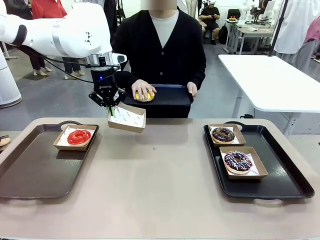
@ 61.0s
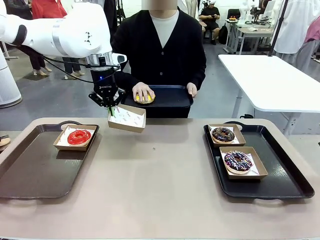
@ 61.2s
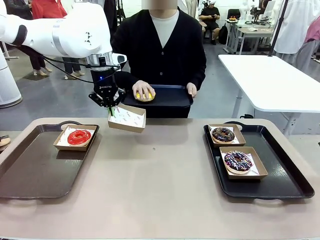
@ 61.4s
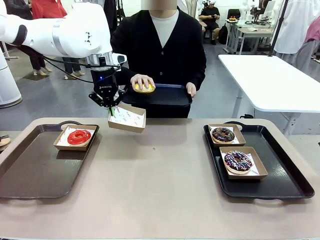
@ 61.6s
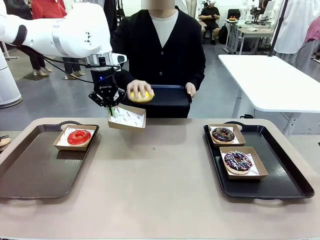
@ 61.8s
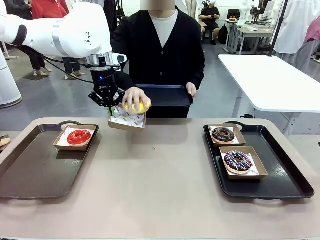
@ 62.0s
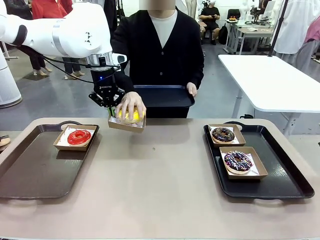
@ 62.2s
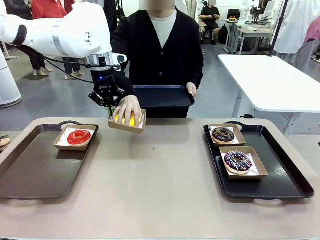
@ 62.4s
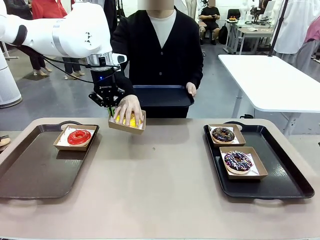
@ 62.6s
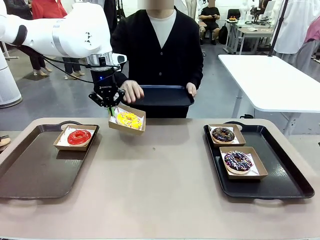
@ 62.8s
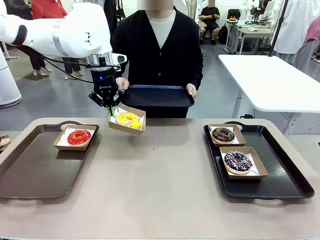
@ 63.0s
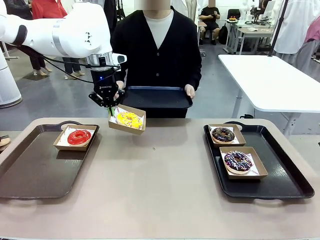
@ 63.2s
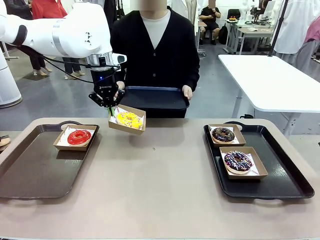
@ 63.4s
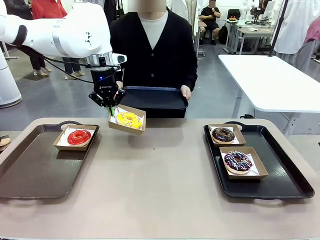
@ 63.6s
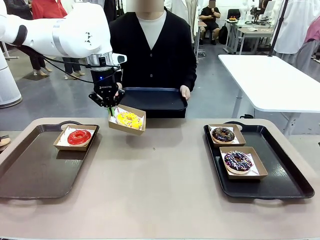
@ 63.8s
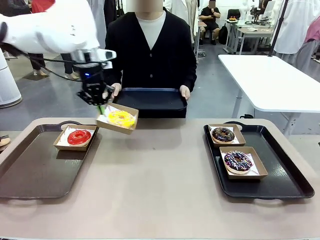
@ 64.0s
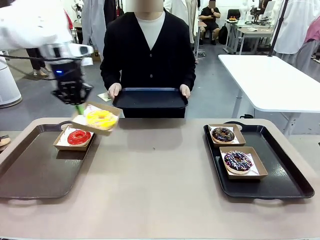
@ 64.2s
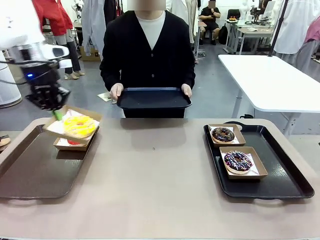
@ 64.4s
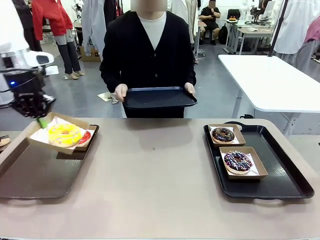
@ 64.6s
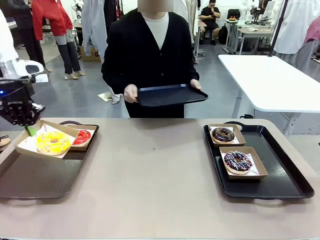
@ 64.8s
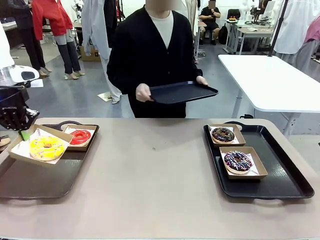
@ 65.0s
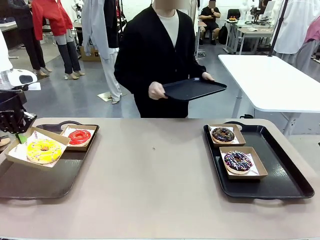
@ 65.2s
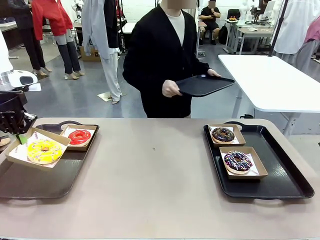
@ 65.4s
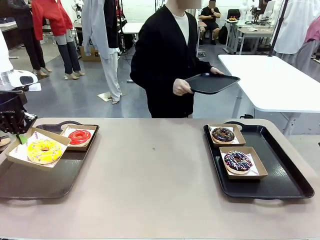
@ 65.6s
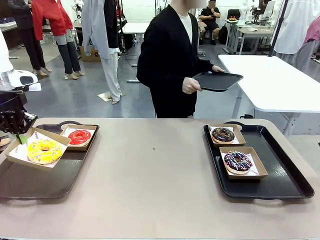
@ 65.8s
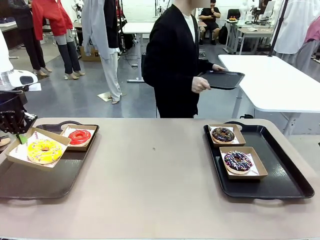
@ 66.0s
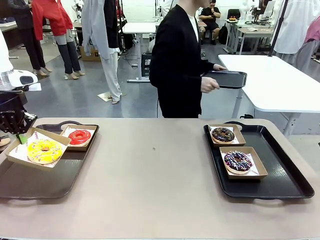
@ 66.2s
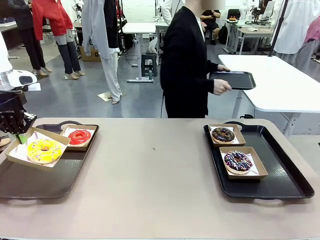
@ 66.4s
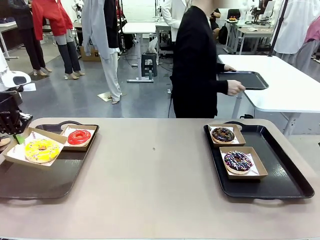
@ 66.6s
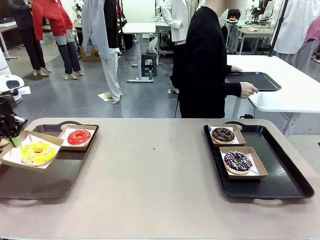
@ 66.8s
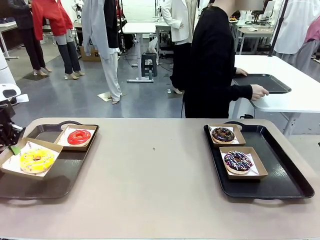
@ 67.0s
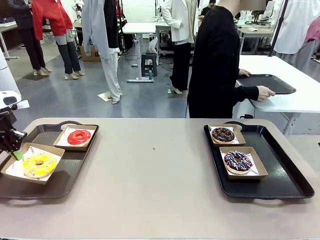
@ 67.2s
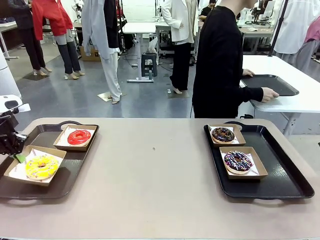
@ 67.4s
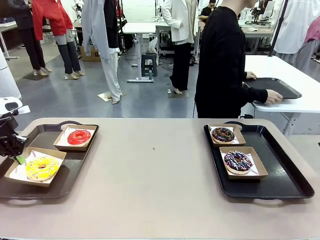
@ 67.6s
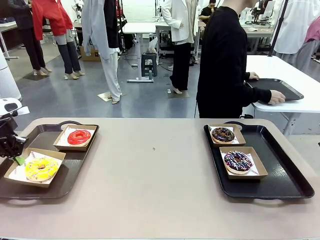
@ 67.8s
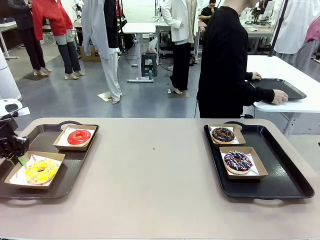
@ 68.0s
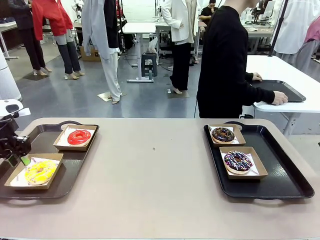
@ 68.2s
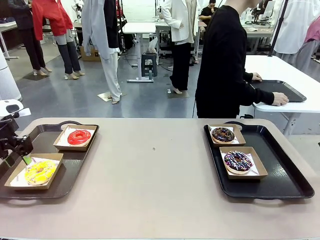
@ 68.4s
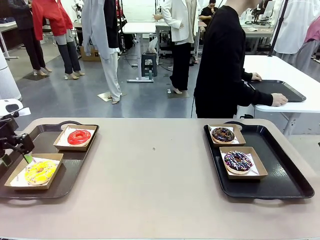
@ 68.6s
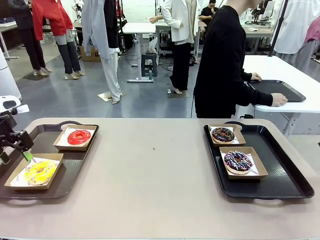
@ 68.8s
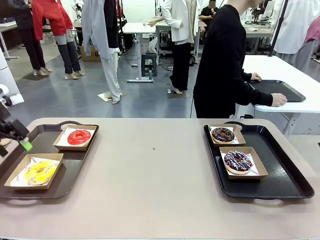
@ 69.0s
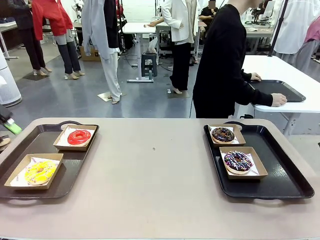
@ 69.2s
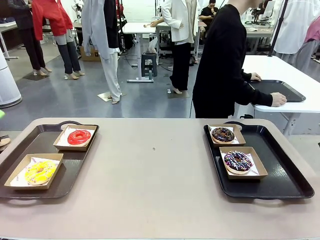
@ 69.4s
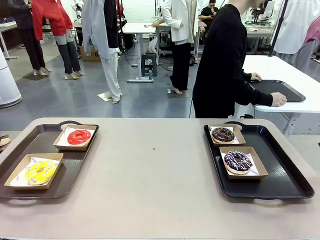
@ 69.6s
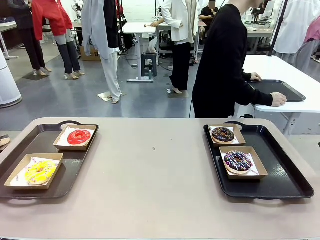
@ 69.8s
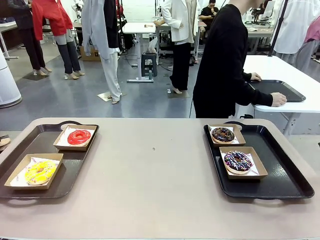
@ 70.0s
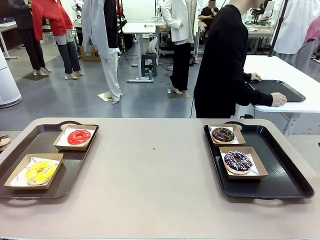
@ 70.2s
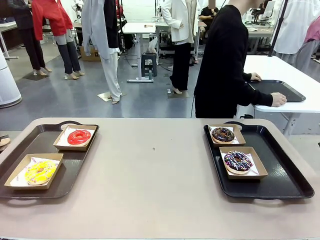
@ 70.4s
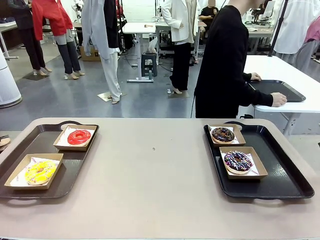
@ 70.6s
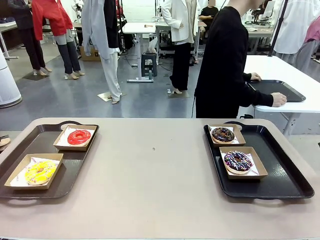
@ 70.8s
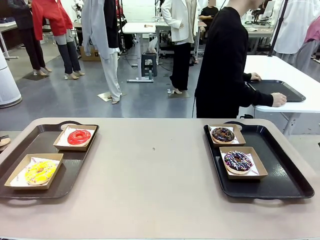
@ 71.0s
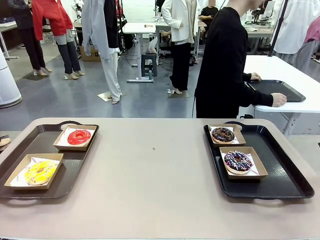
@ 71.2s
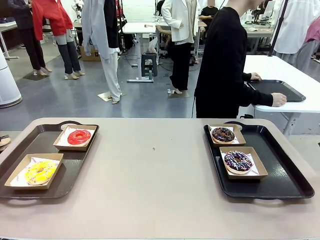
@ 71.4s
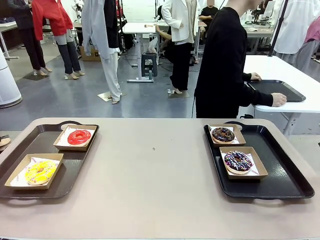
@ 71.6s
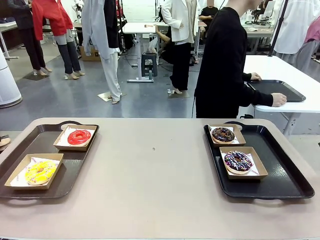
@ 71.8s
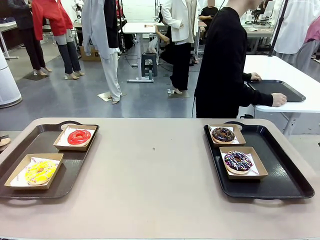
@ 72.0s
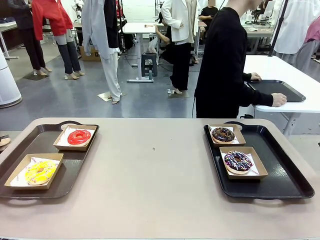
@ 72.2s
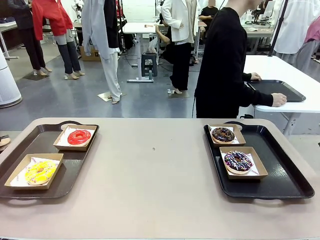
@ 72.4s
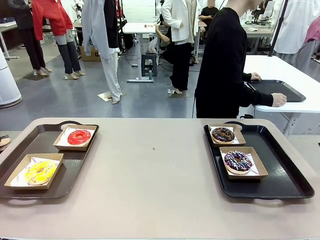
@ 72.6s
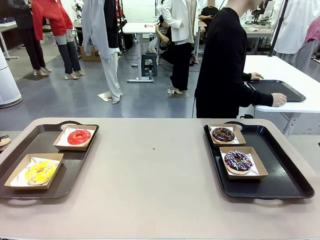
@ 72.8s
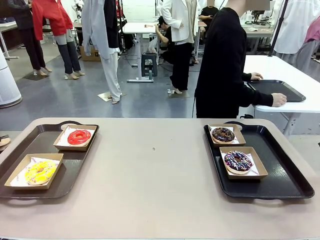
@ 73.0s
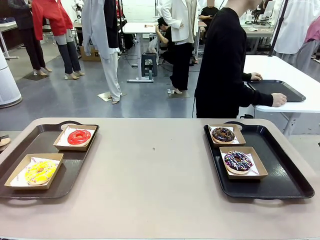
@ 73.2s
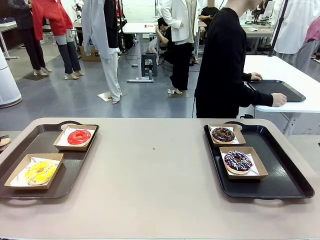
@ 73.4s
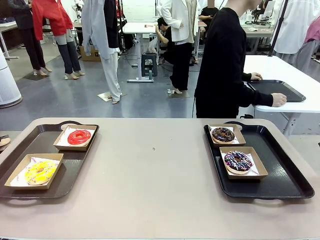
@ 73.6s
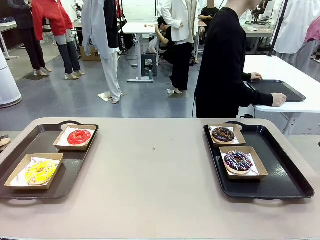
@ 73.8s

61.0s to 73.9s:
Task: Individually package the donuts and arrange them on the tray.
Robot: Place the picked Paper togo box on the Handle tray.
Person: Place the tray down in the middle of the human table.

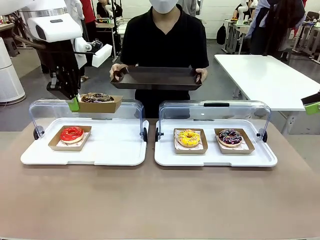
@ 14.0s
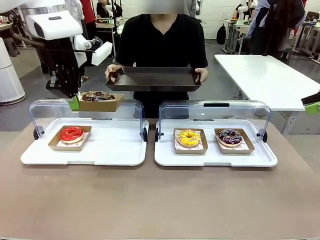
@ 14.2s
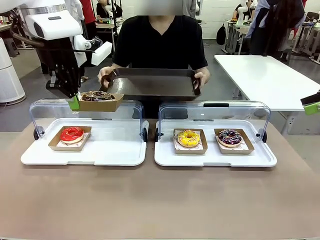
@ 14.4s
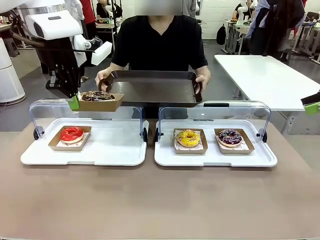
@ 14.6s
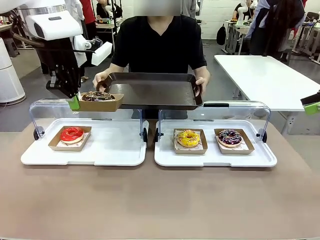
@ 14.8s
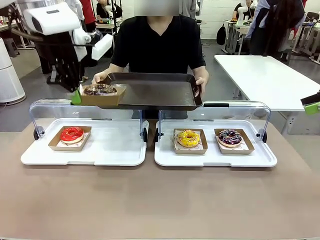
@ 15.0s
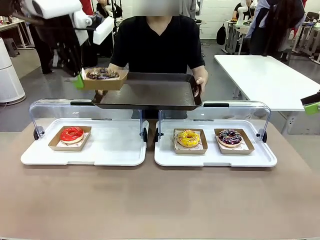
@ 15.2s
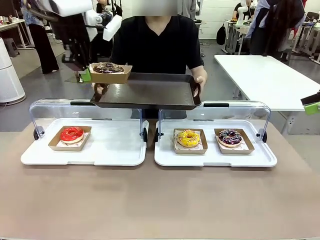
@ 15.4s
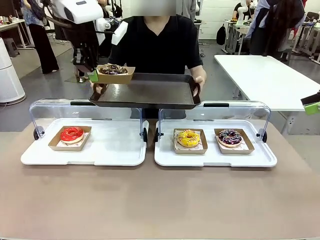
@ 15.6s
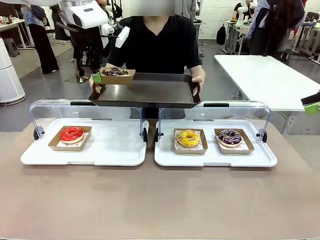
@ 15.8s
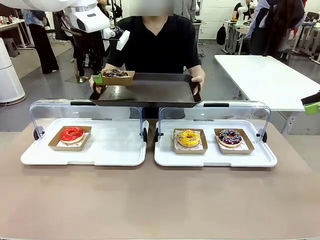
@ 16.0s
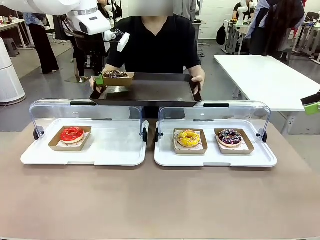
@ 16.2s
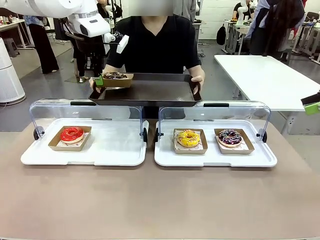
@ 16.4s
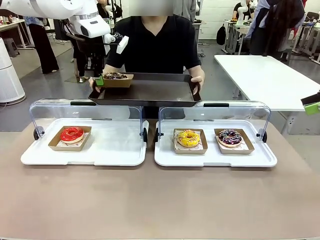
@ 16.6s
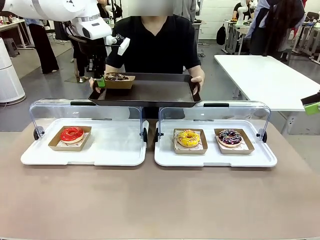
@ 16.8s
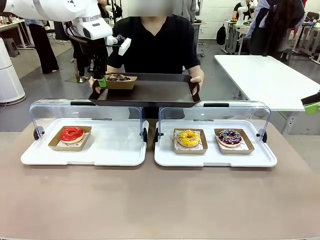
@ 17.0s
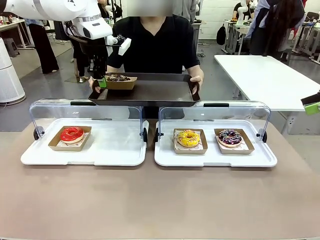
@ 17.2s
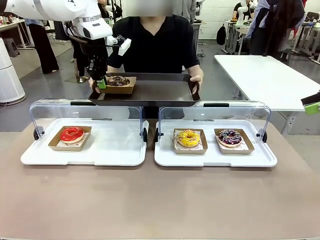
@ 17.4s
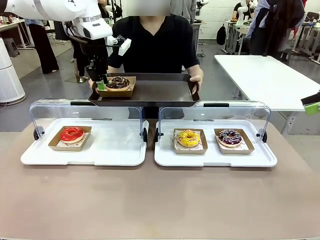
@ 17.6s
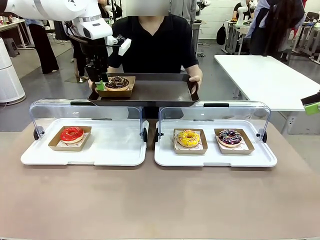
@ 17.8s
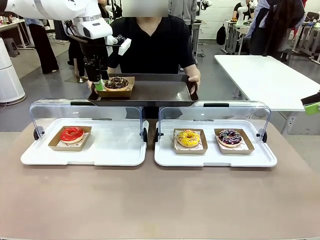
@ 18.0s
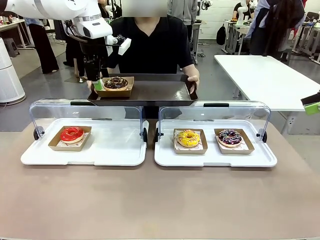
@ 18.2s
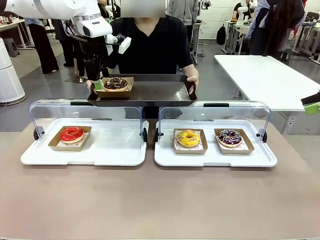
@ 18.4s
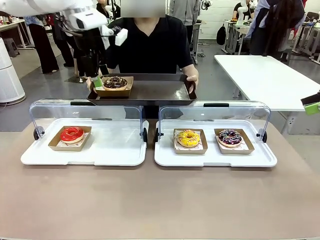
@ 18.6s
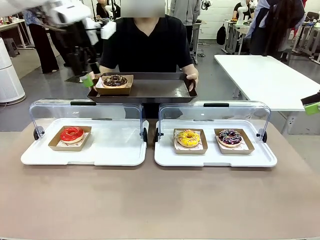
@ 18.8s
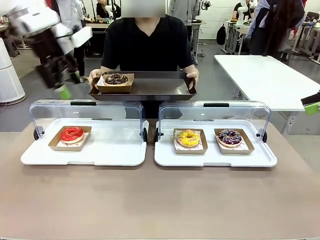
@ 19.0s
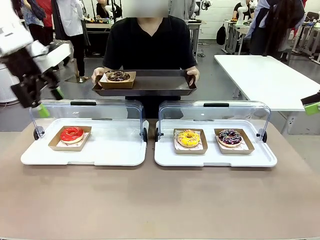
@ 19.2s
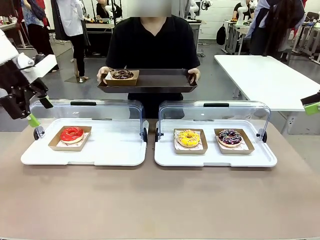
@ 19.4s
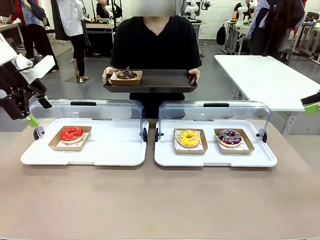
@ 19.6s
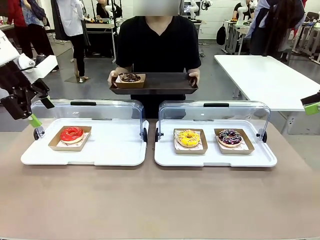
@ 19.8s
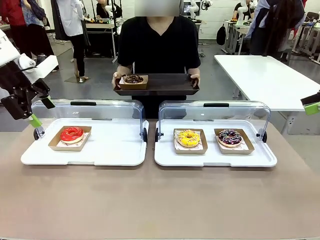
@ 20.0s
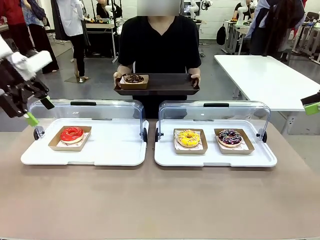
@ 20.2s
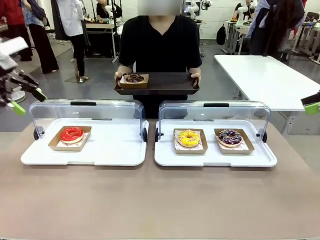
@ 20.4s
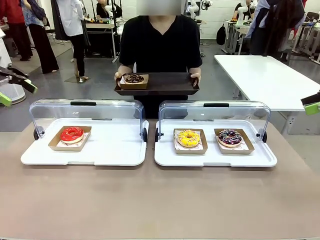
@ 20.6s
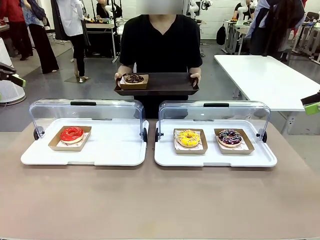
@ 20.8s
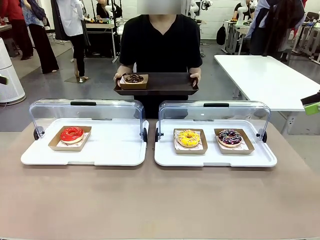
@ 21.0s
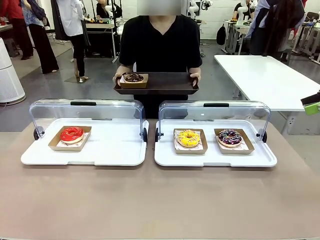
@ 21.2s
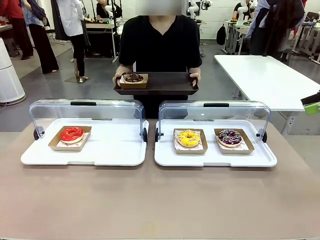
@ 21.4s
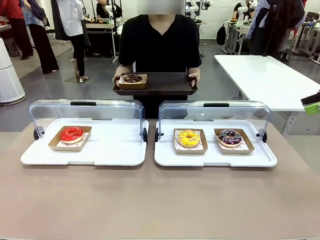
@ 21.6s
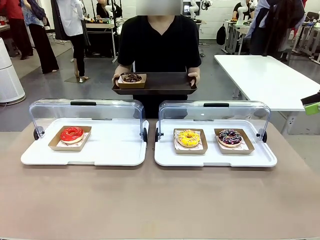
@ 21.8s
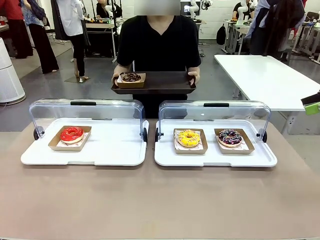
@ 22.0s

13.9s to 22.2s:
Task: Provide the desired donut to the person.
Robot: Place the picked Paper togo box onto the Handle tray extended by the person.
Person: Point to one donut.
